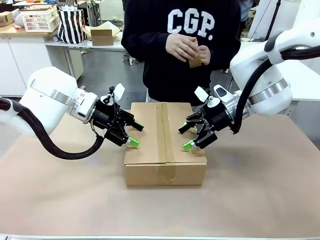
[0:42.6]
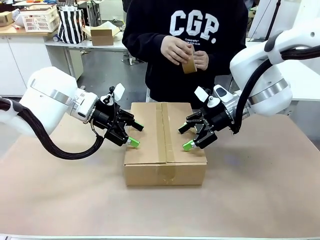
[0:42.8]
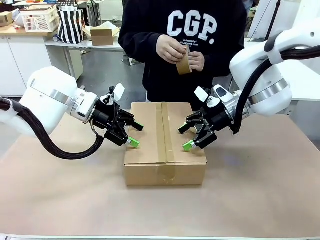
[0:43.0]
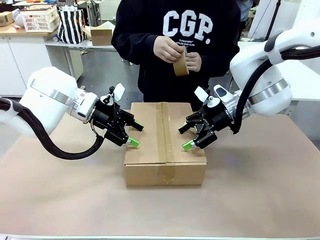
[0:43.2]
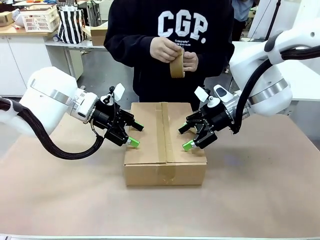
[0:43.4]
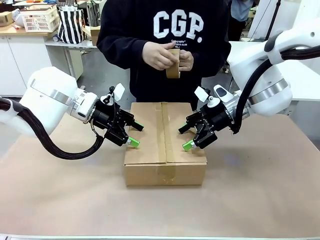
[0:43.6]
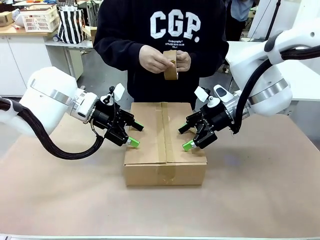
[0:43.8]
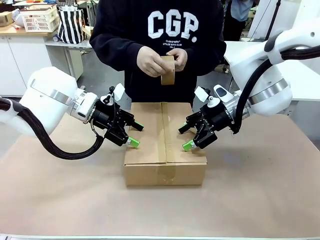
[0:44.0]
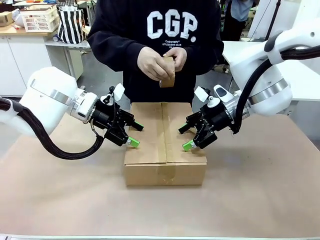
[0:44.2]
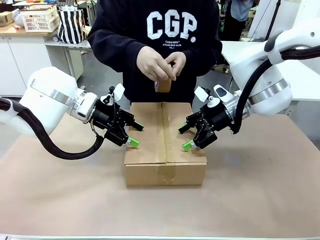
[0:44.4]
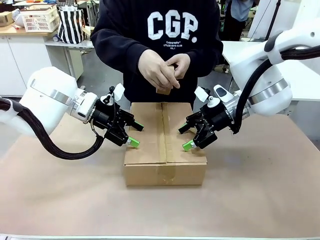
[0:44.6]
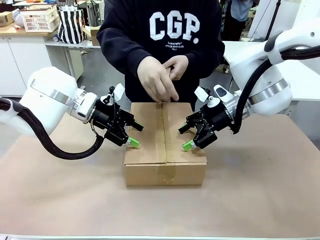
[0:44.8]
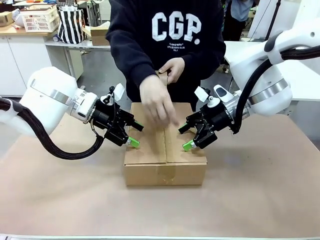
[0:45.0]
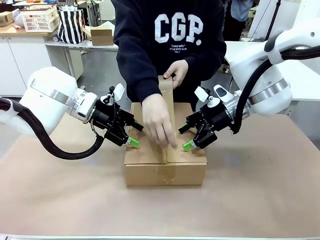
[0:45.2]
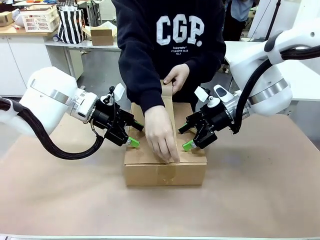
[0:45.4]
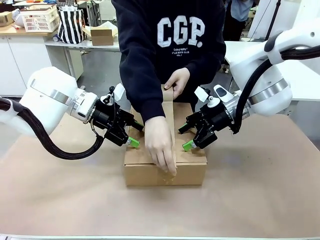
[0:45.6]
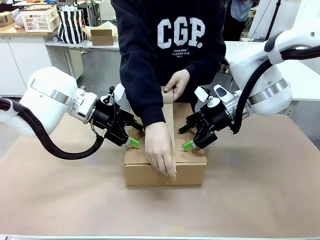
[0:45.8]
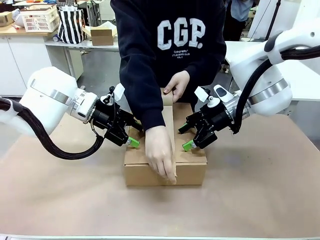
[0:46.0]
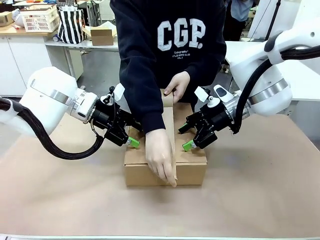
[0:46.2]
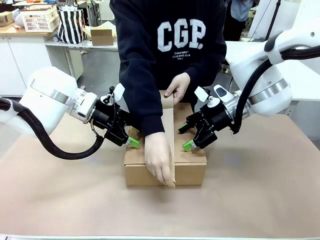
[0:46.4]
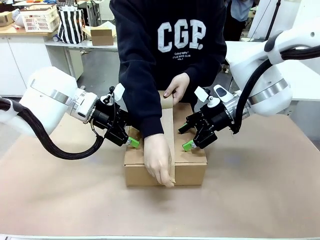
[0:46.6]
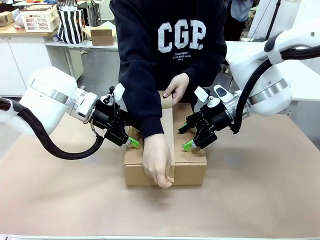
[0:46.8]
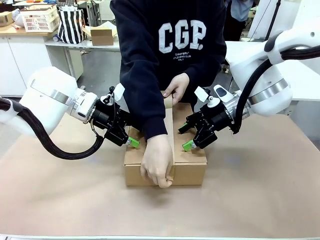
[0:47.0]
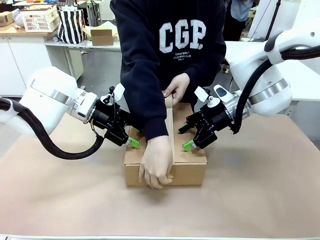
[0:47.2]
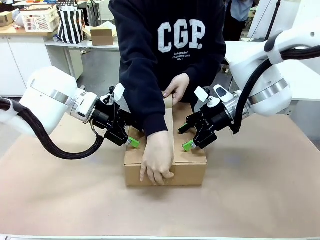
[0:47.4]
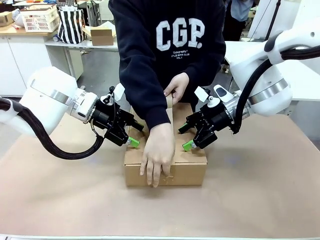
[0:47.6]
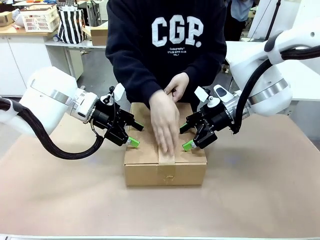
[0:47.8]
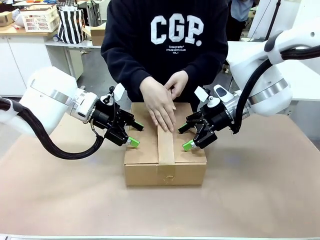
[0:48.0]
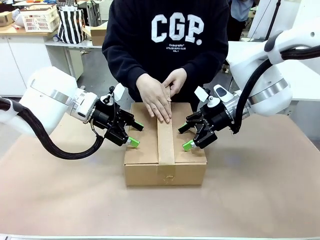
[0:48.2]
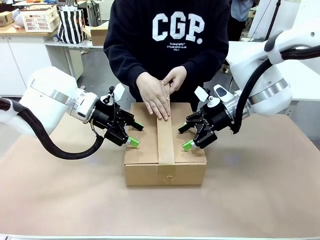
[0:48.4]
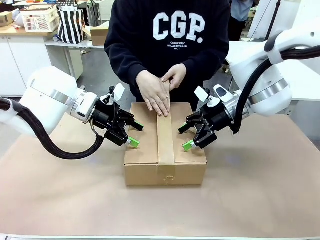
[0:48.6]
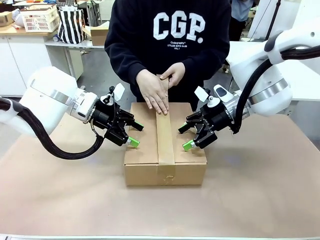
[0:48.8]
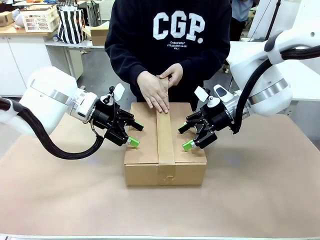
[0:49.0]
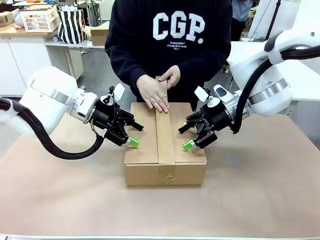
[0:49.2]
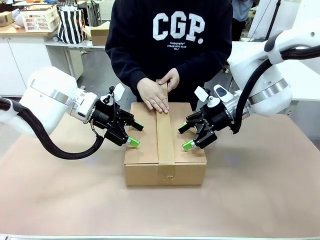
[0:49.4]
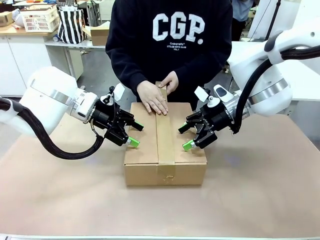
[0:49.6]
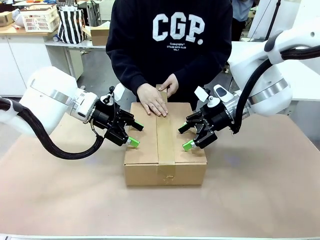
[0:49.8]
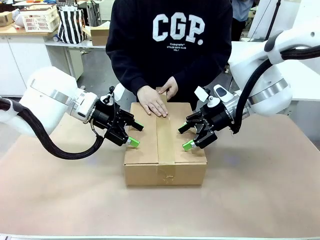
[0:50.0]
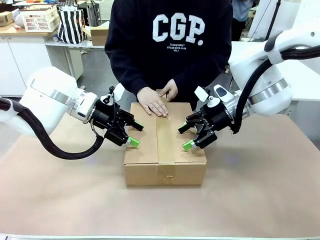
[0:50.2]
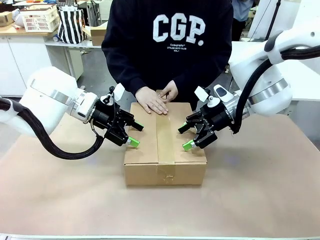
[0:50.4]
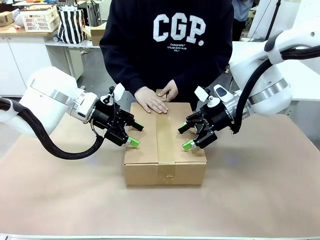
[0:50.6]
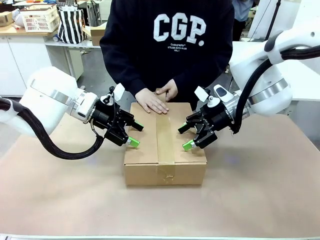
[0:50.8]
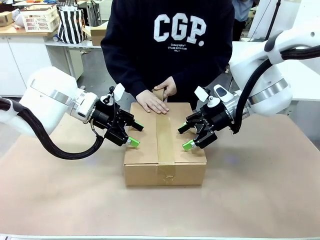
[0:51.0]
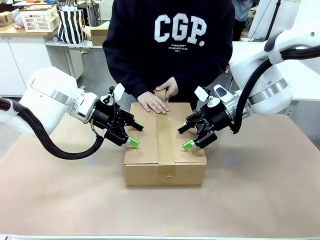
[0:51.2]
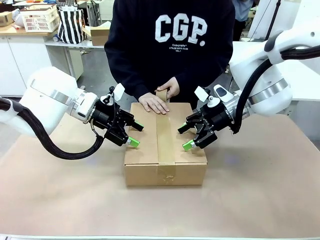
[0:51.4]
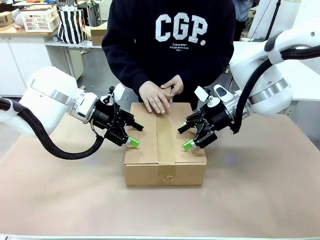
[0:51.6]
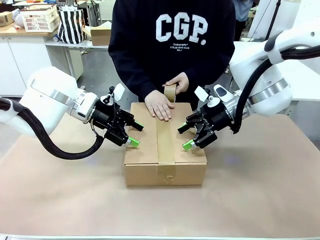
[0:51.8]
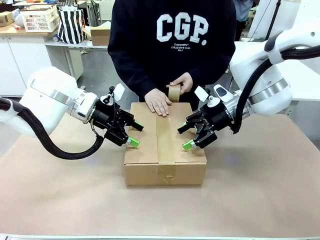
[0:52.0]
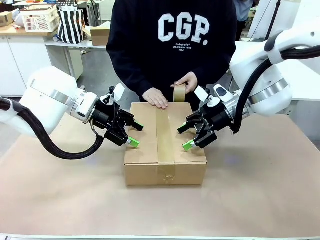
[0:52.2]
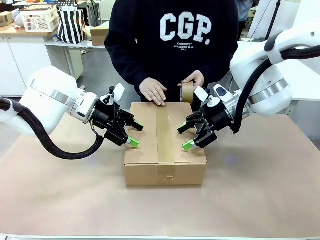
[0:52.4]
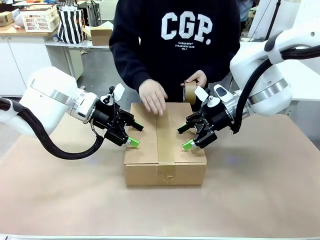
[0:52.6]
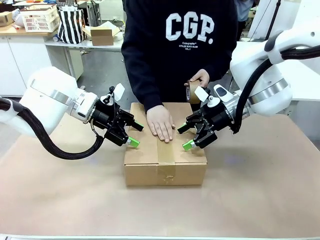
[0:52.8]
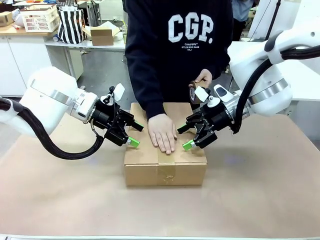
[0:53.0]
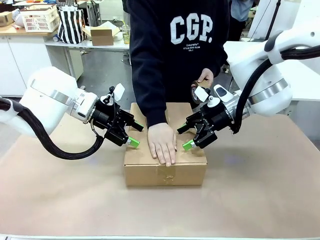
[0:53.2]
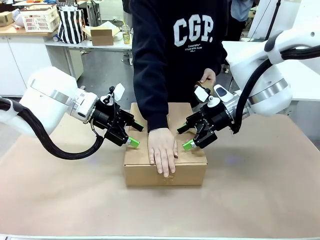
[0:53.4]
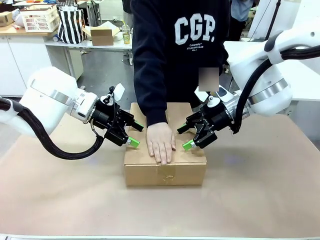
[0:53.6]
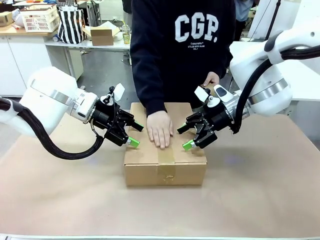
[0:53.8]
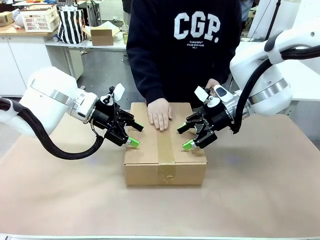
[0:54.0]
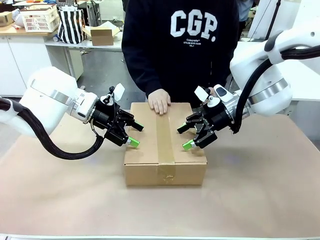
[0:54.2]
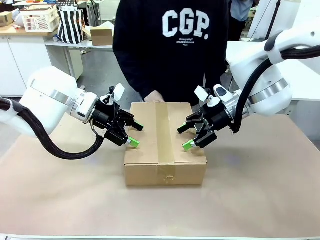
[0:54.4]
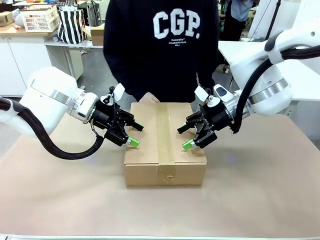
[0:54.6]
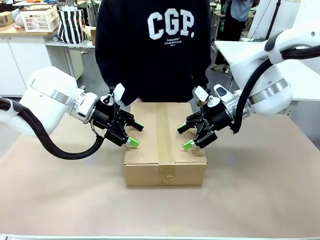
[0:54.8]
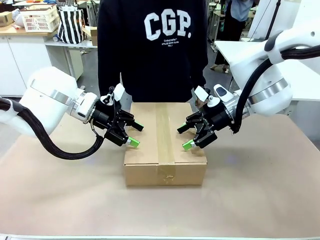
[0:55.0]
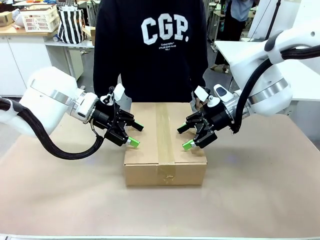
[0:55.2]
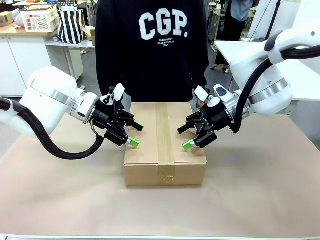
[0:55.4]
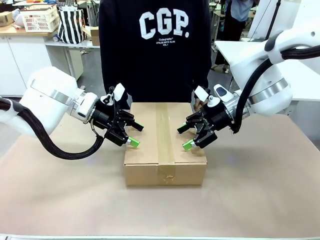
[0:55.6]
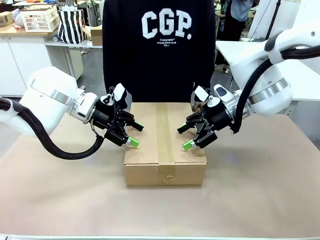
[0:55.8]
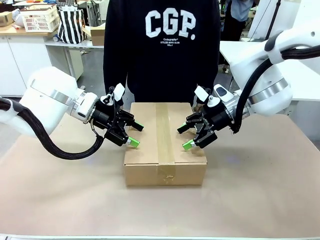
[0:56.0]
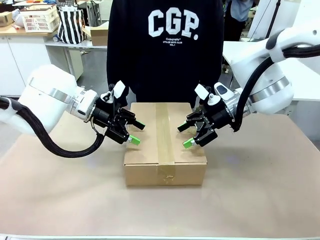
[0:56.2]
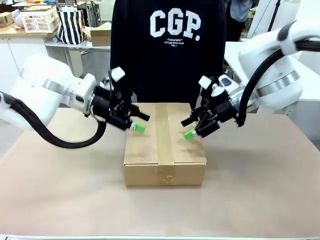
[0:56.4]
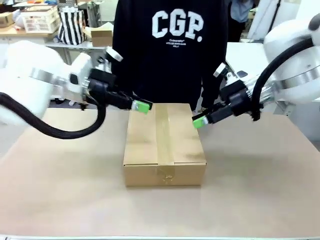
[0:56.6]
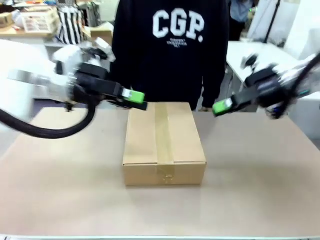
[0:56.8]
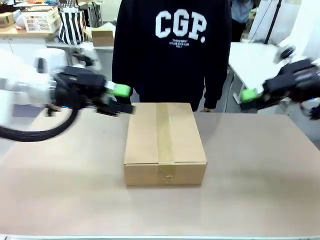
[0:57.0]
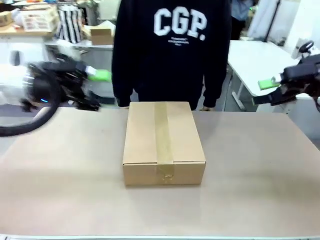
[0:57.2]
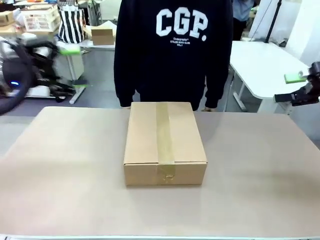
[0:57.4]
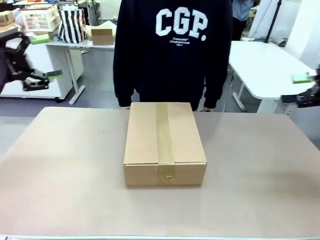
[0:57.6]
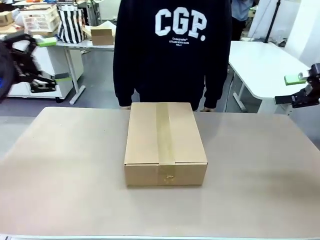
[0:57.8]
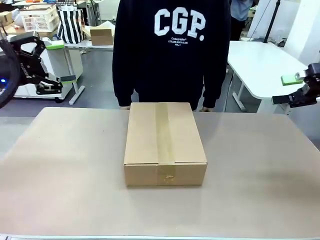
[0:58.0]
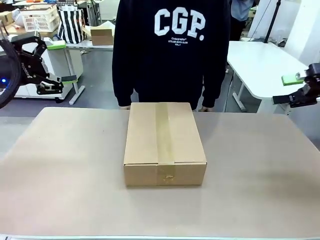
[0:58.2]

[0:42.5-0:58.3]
Task: Pack the gift set into the box.
Robot: Press and hold the closed box until the human finishes sealing it.
Person: The human picks up the paper tape from the human table and packs the box.
